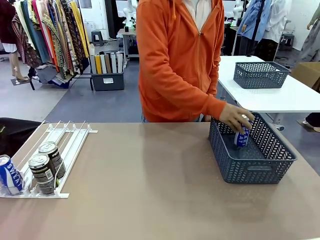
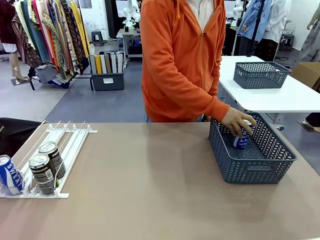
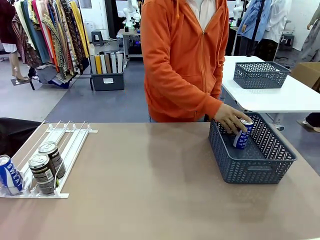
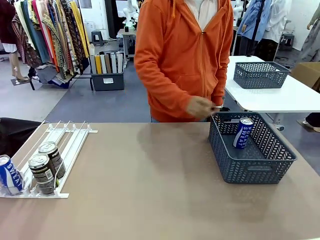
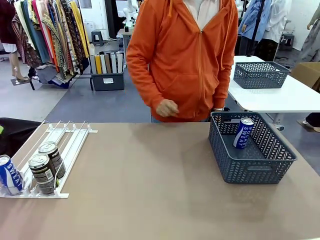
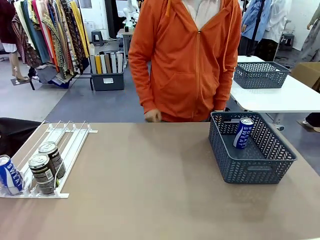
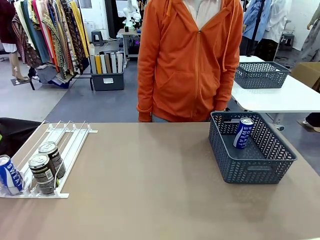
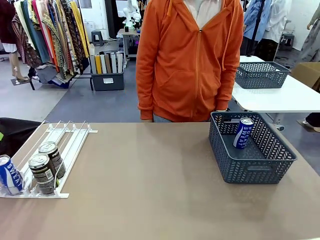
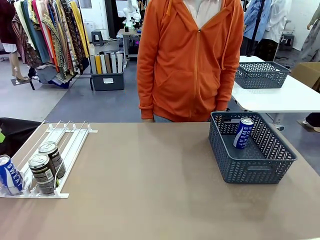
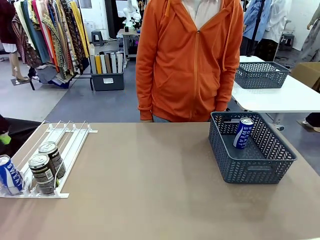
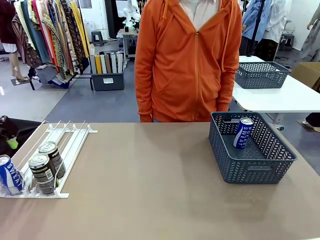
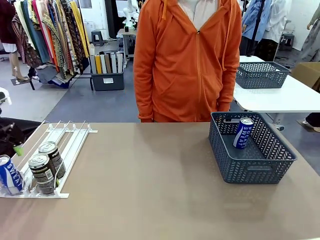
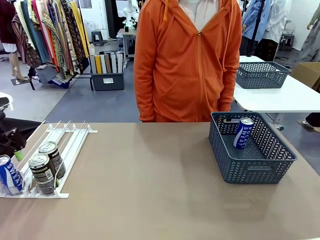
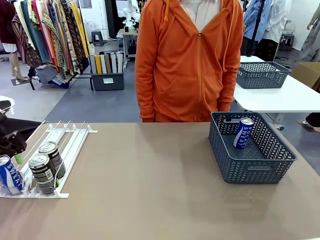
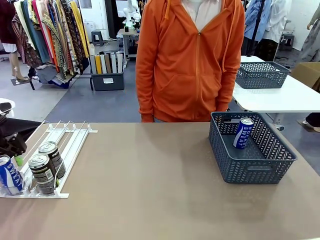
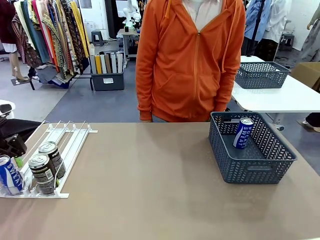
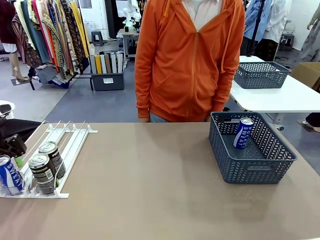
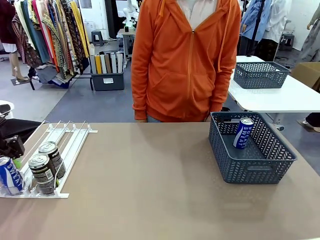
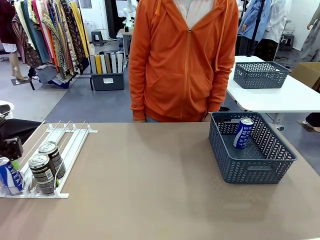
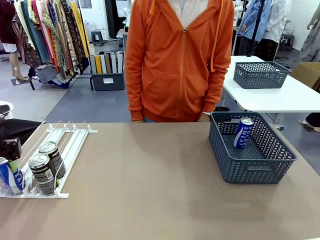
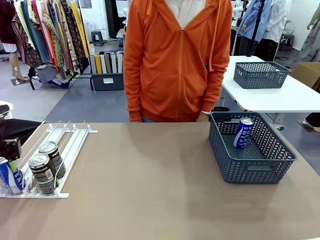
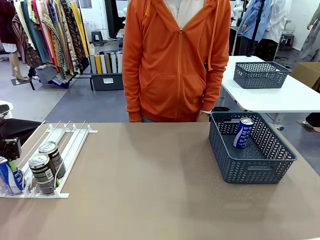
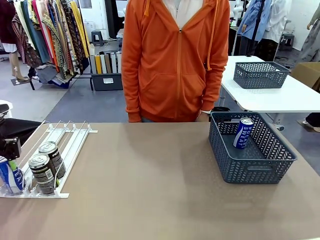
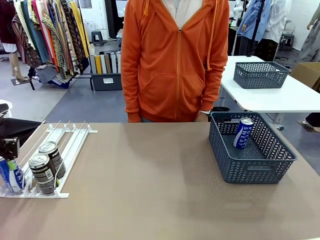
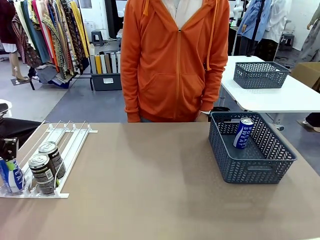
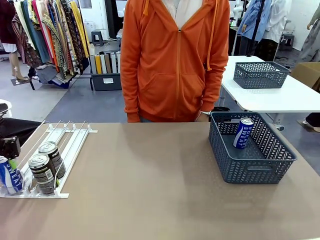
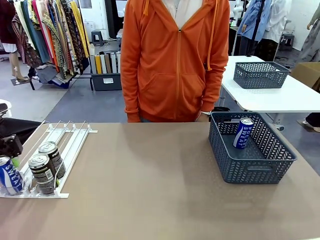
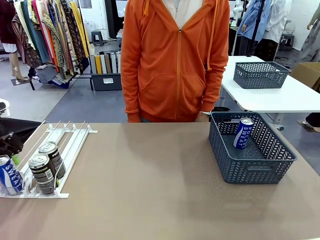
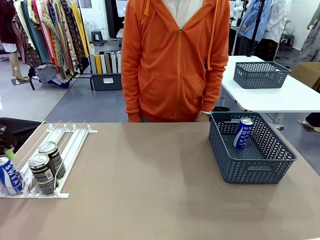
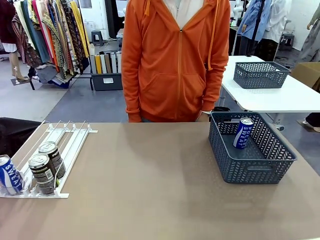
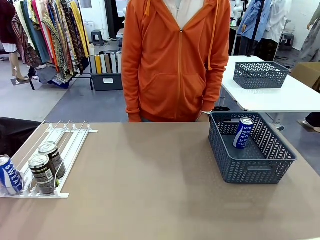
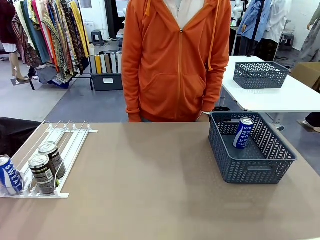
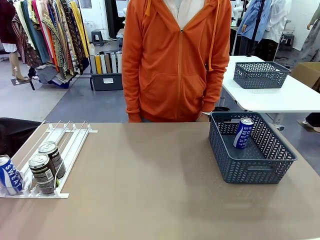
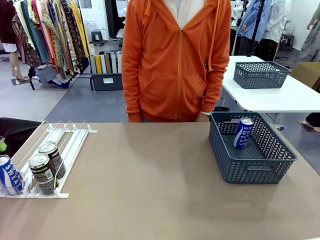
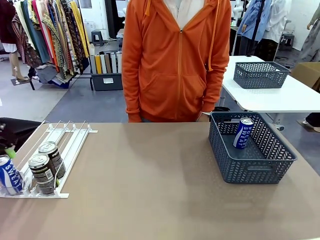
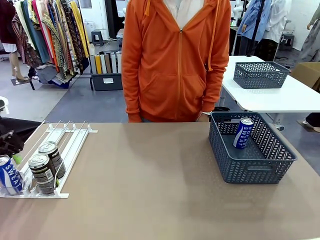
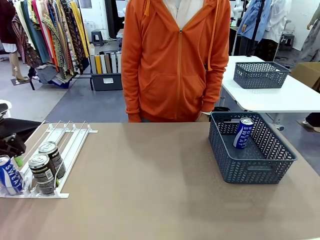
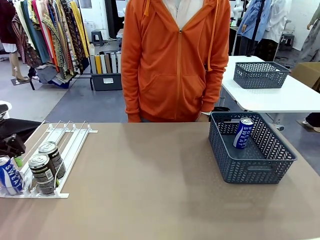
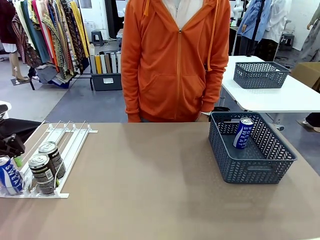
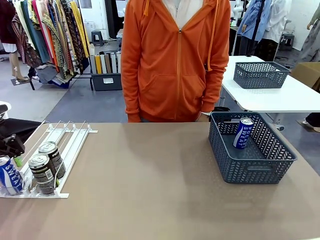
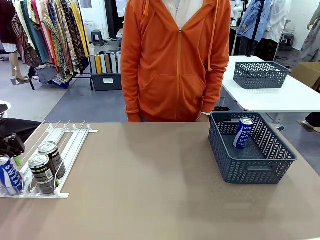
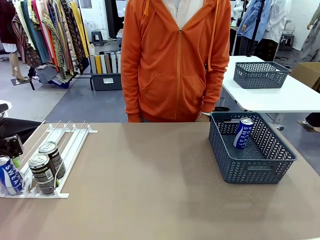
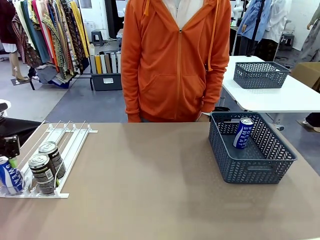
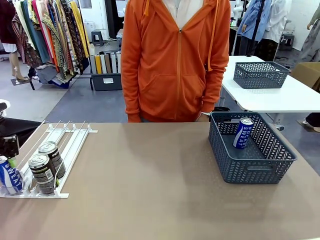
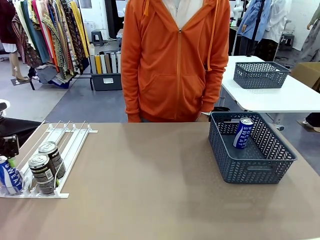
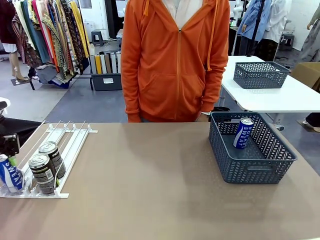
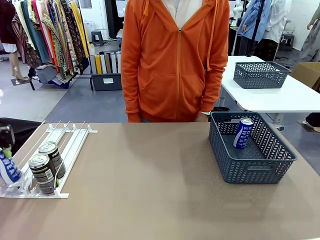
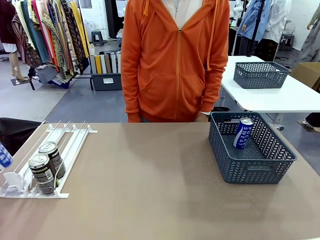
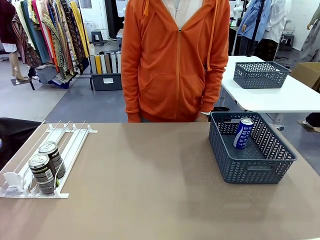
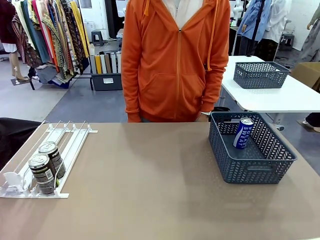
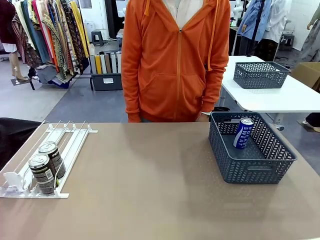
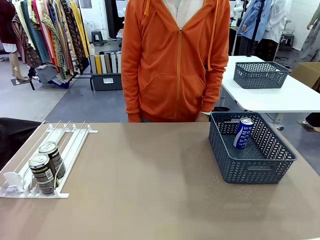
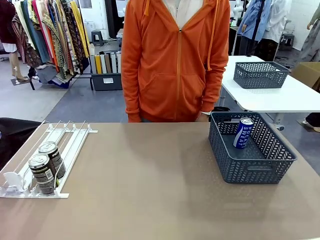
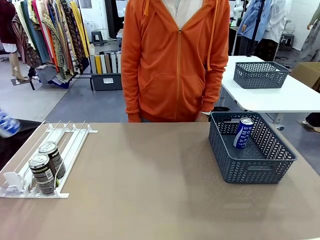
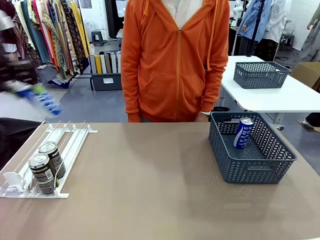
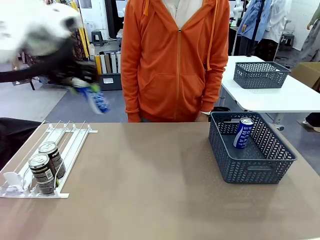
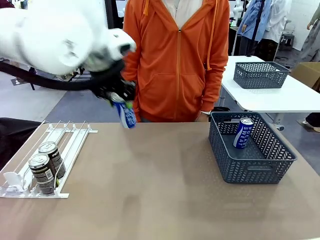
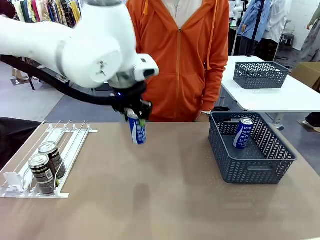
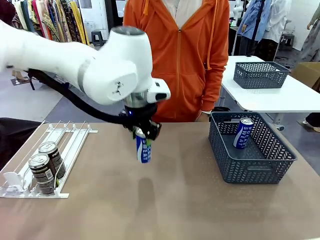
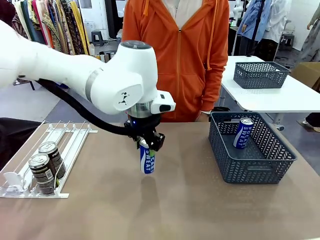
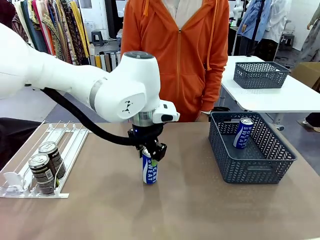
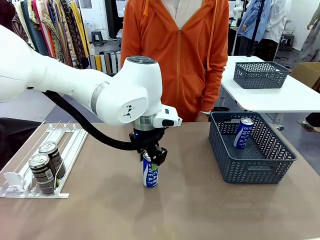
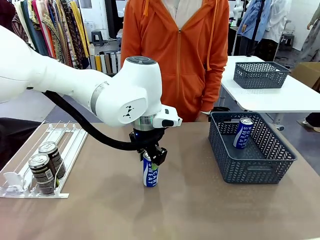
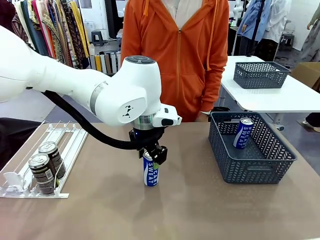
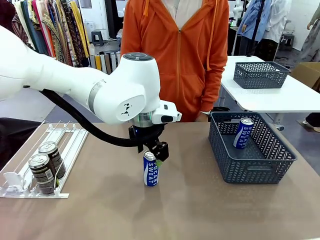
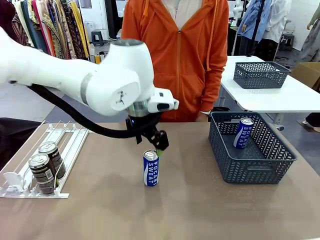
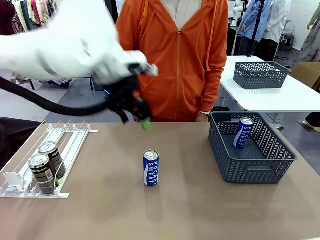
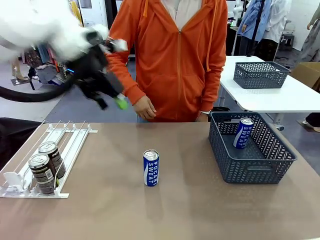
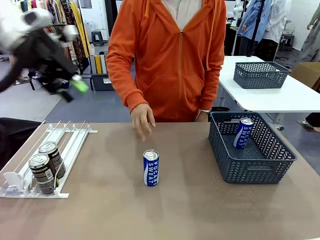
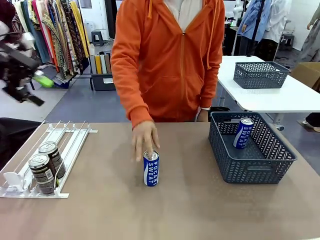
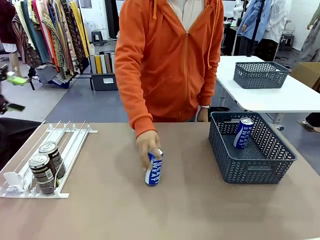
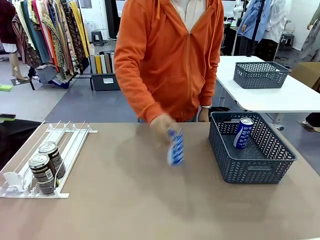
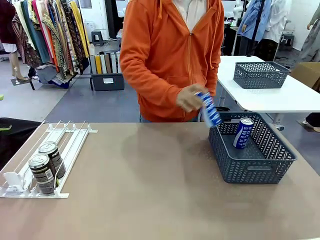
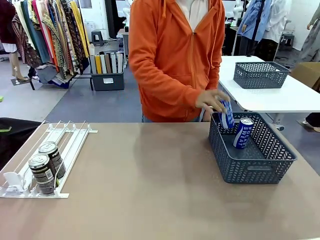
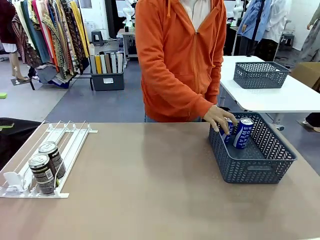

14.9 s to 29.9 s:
Task: Retrieve and store the cans from the dispenser.
Robot: Pick up the last remaining can from one row of the Automatic Can Dispenser and place it in the middle of the table.
Person: Pick up one Pepsi can from the middle of the robot table and place it in the basket.
